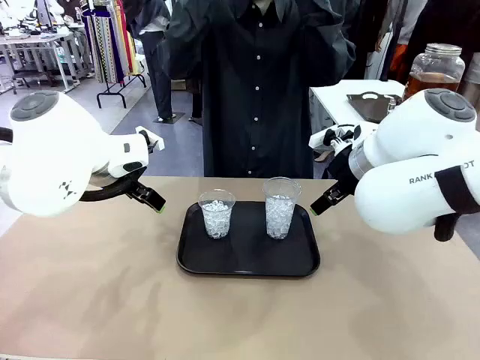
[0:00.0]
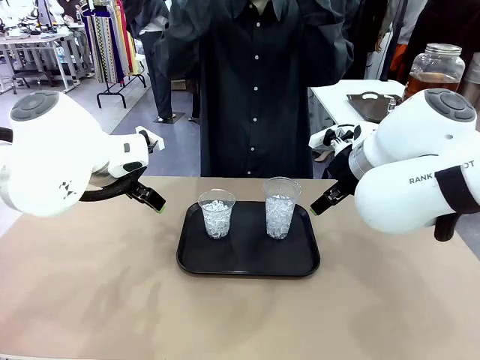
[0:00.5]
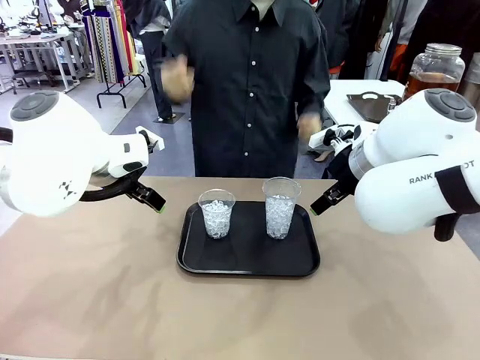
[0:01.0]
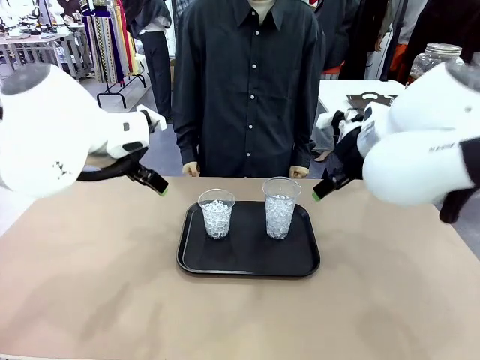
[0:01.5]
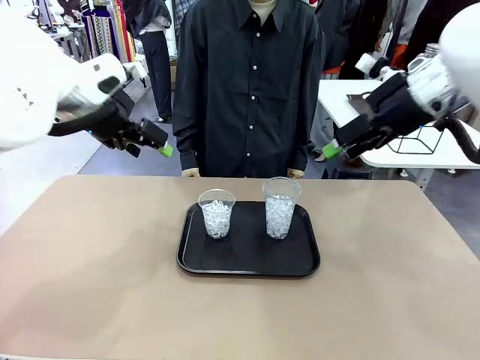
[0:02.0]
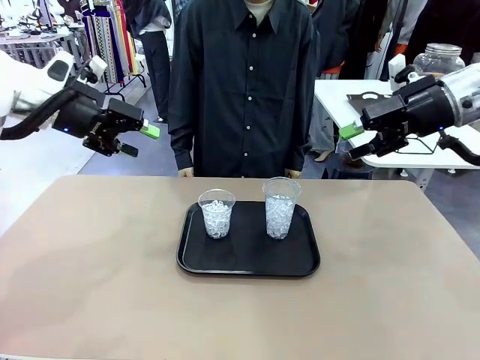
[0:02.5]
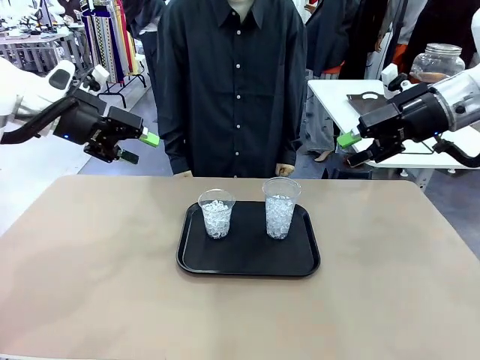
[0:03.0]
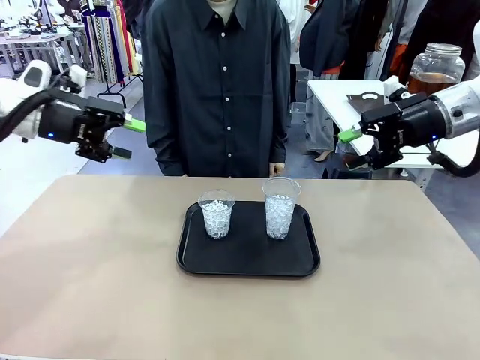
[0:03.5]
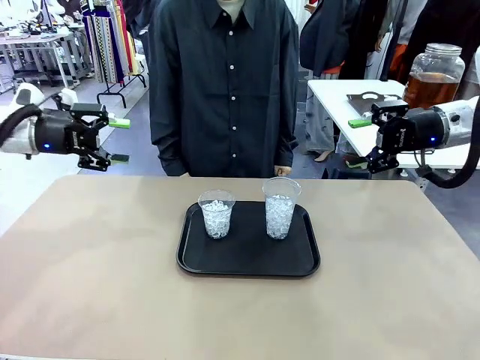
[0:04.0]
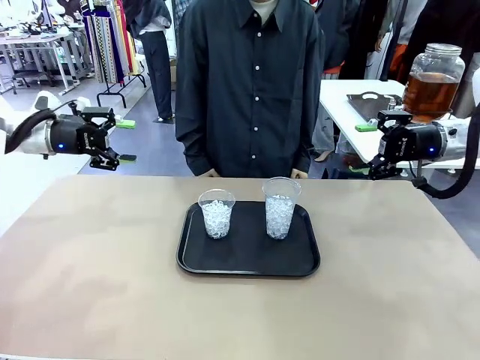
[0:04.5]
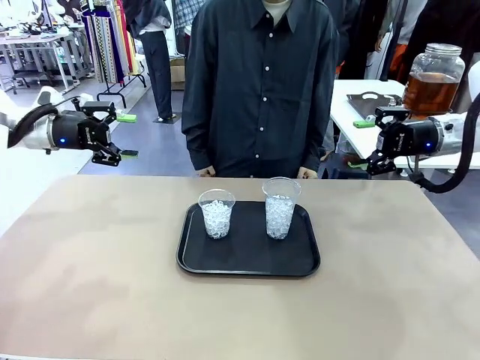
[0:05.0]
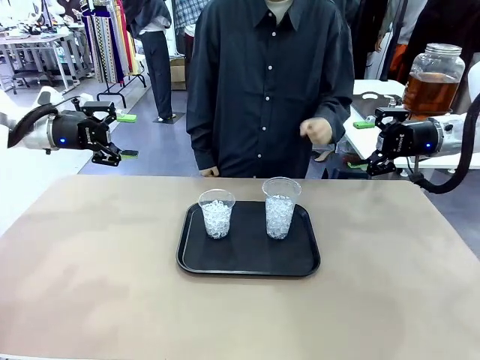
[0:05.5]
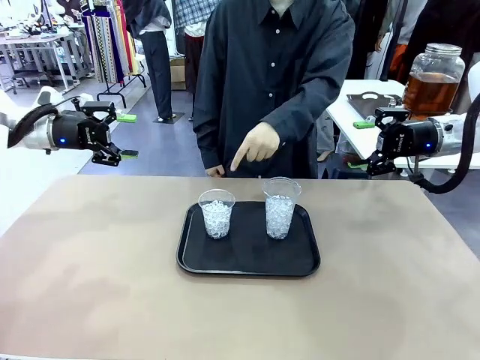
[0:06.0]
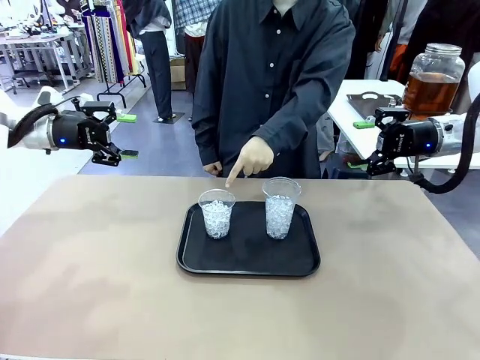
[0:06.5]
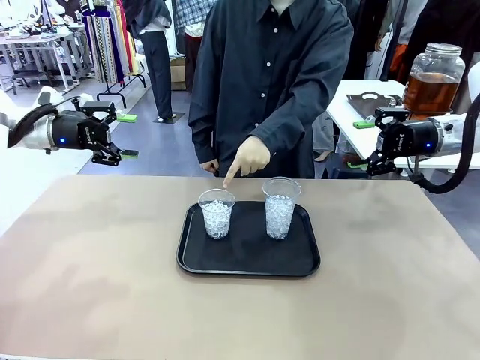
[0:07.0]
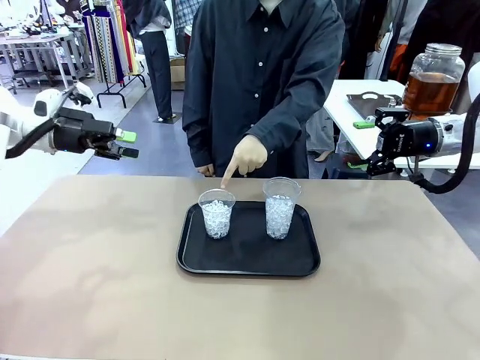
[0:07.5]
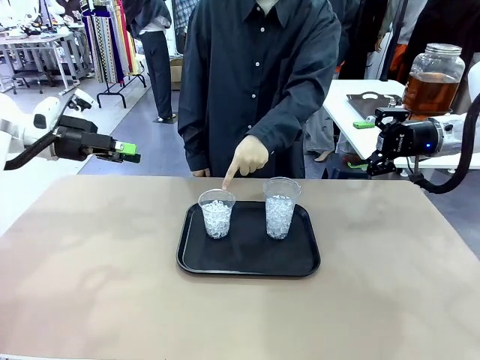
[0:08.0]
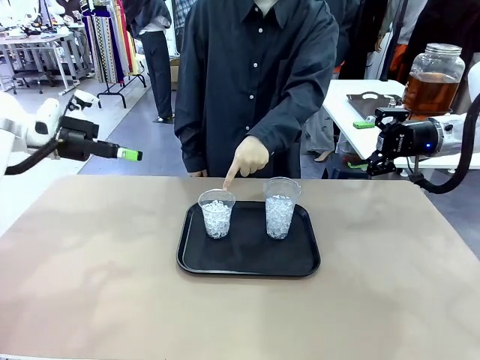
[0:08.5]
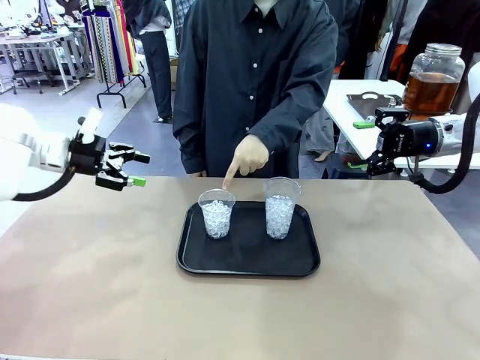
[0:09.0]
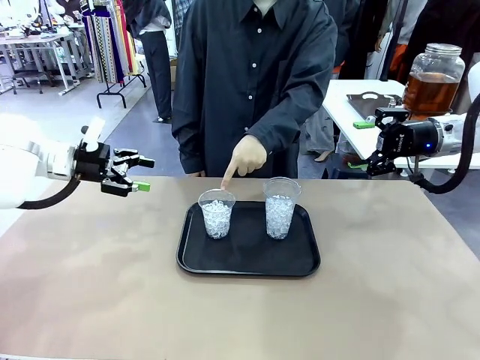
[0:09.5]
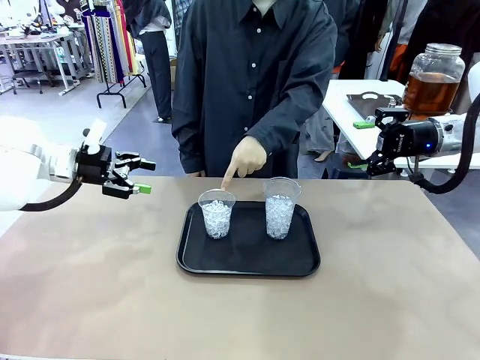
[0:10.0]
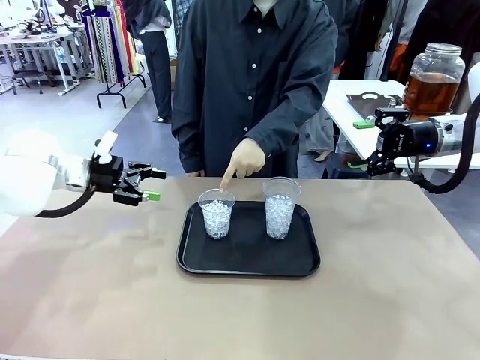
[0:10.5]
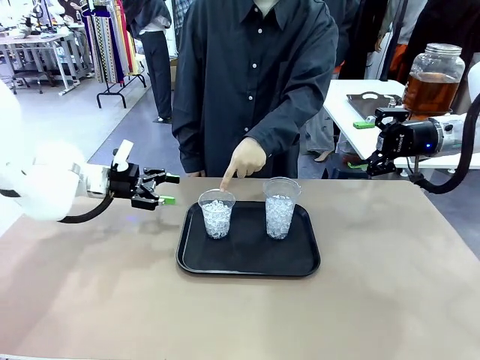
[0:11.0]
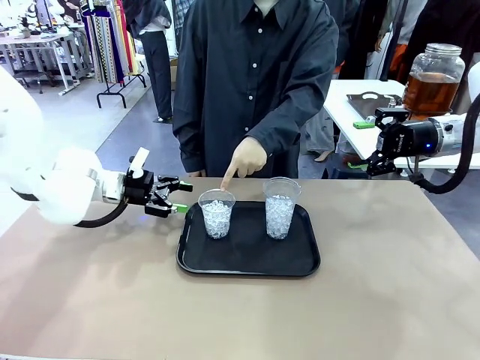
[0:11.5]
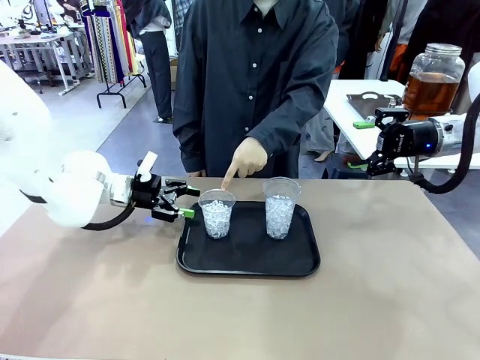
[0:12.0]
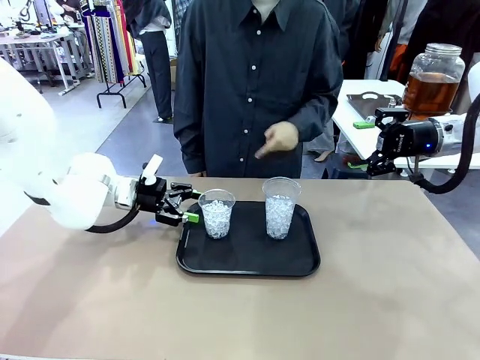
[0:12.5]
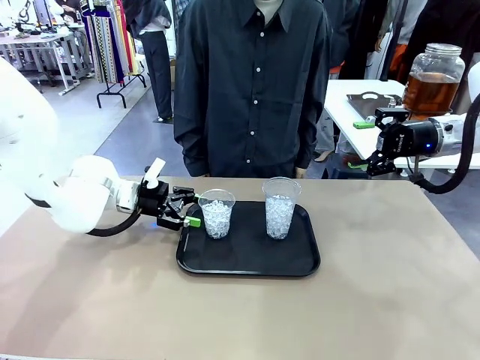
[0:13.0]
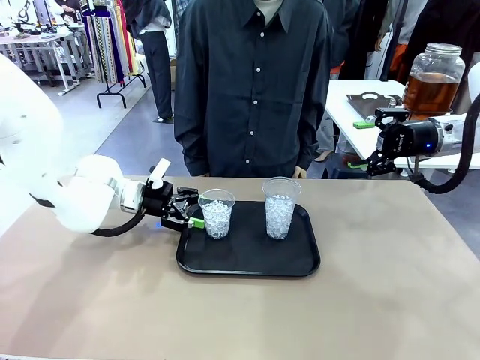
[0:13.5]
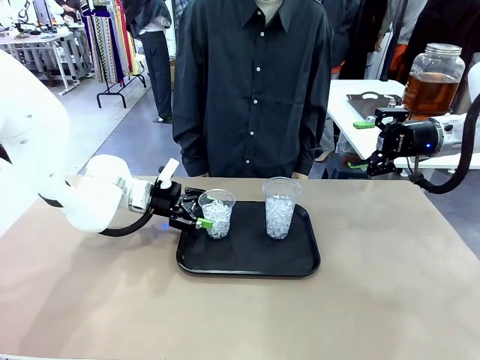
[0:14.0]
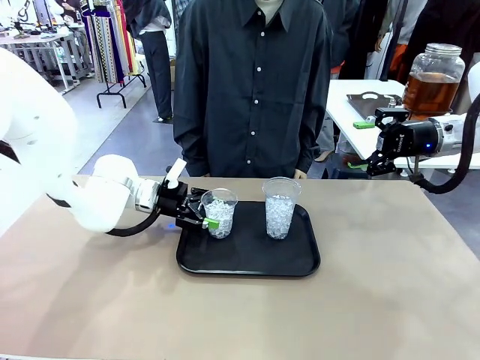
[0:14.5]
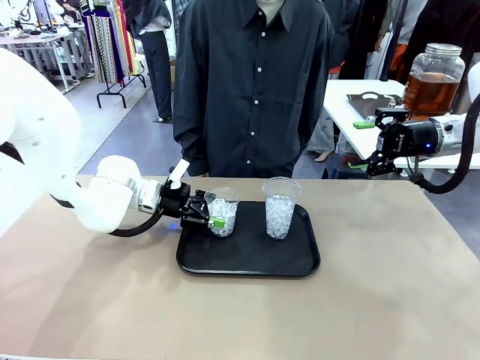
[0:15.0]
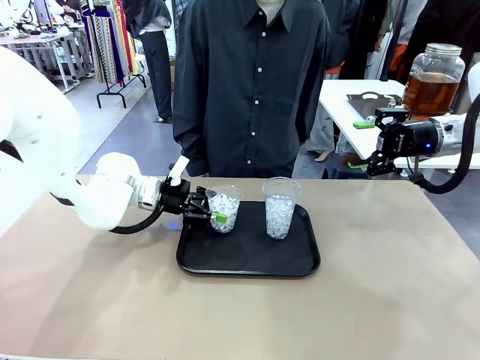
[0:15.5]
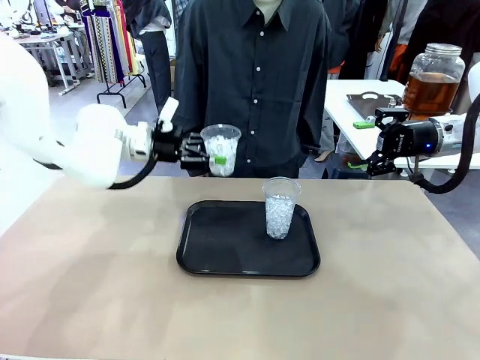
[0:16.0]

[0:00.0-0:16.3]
Task: Pour the drink into the iced cup.
Robot: Pick up the iced cup indicated by the human and present it to them.
Person: Point to one of the two ice cups. Pick up the cup offered by the robot.

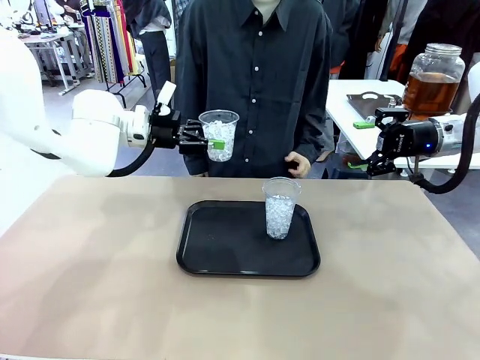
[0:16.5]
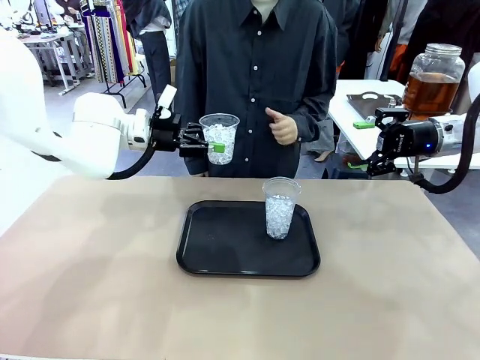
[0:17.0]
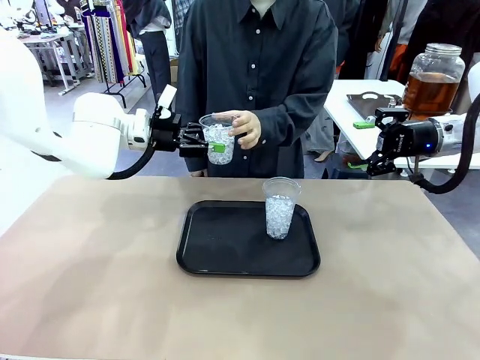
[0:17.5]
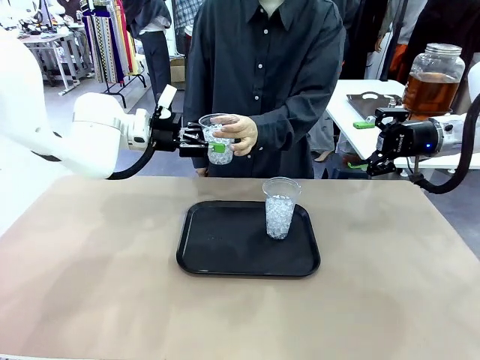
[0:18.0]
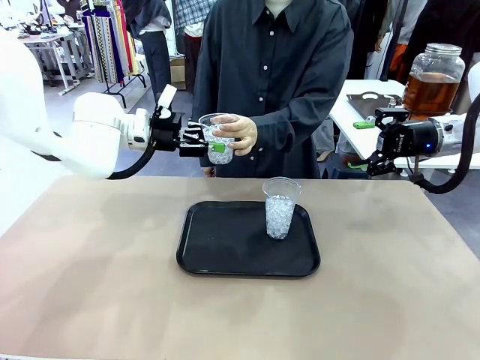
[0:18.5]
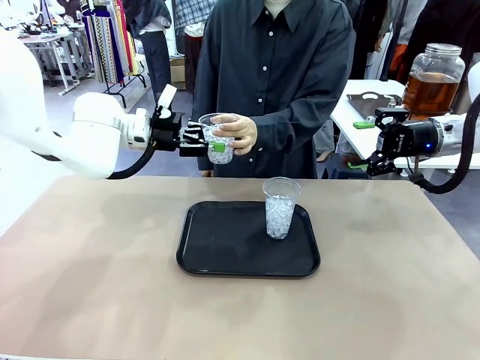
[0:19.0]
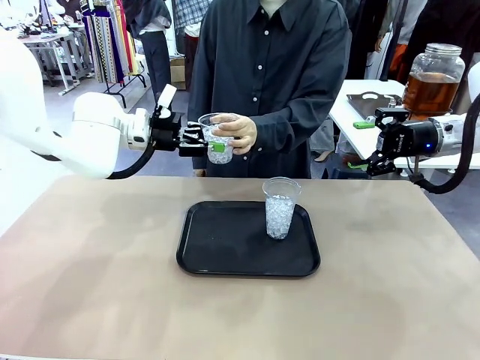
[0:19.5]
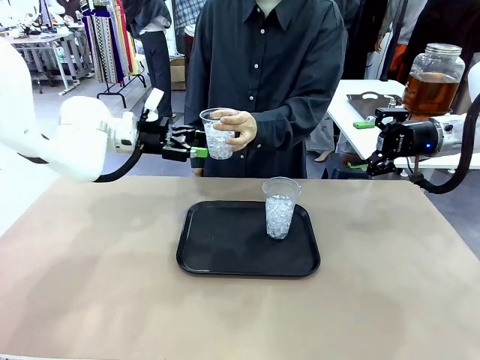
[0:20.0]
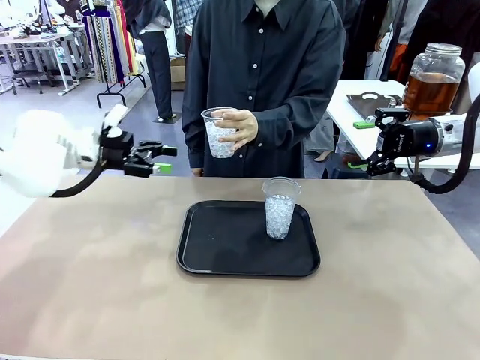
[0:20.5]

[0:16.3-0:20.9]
Robot: Open the gripper to release the iced cup you were holding.
